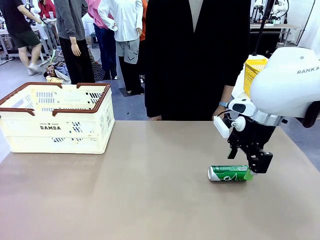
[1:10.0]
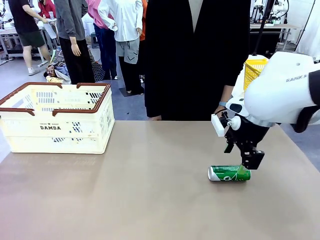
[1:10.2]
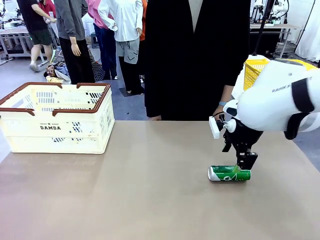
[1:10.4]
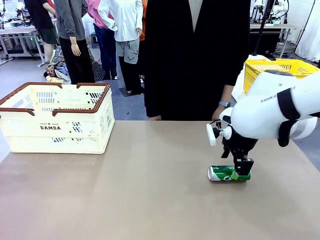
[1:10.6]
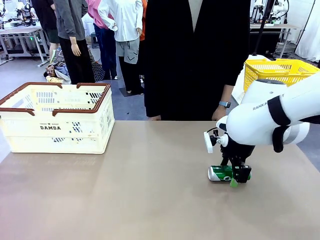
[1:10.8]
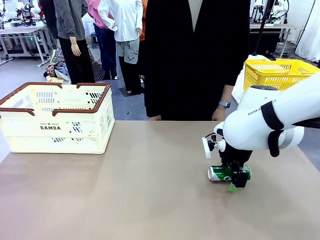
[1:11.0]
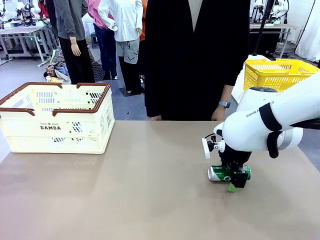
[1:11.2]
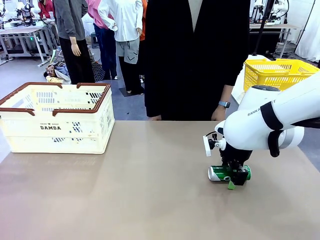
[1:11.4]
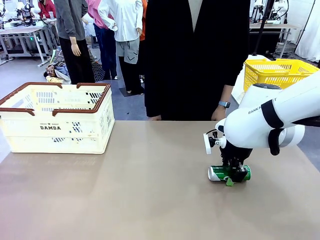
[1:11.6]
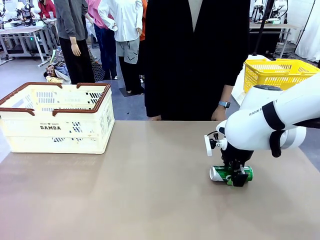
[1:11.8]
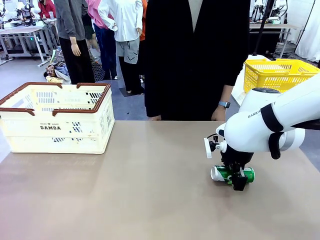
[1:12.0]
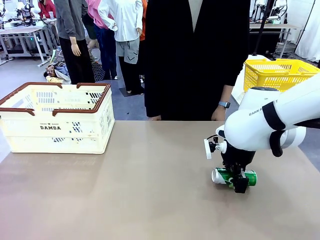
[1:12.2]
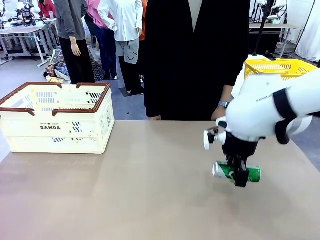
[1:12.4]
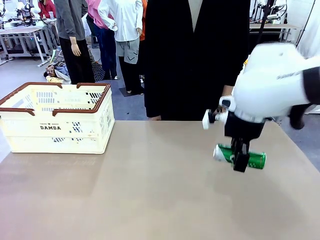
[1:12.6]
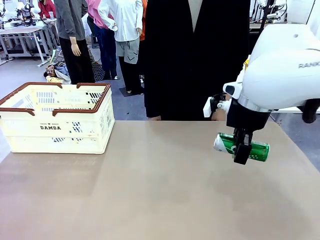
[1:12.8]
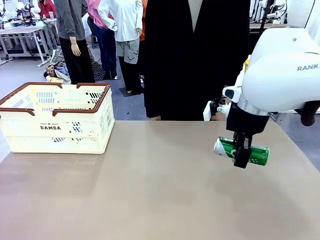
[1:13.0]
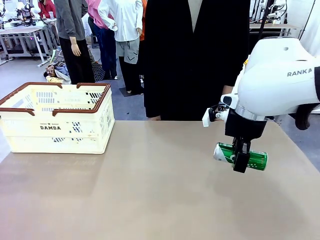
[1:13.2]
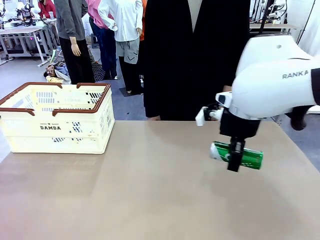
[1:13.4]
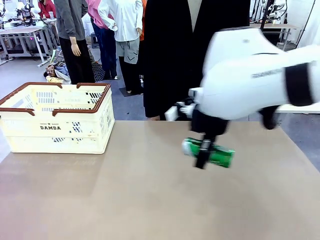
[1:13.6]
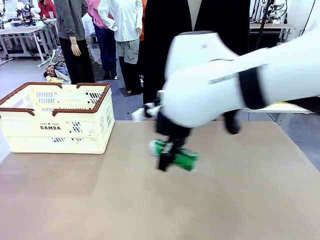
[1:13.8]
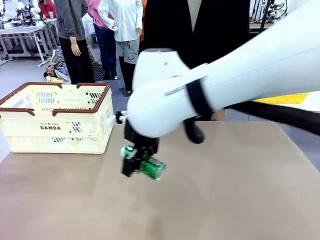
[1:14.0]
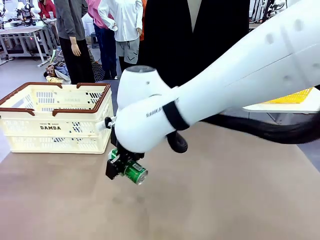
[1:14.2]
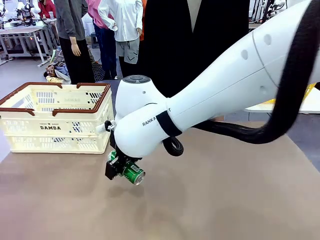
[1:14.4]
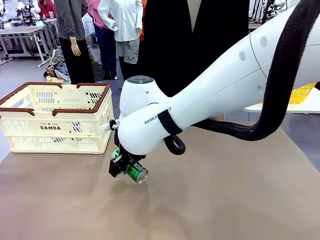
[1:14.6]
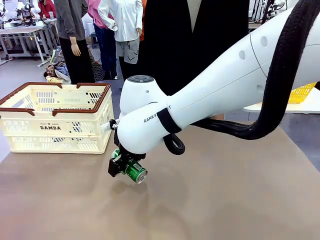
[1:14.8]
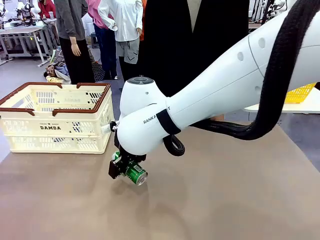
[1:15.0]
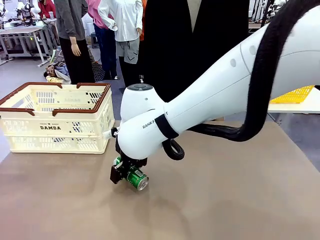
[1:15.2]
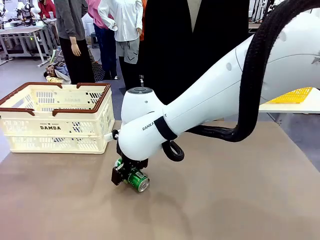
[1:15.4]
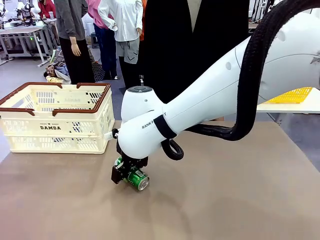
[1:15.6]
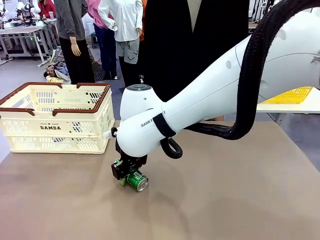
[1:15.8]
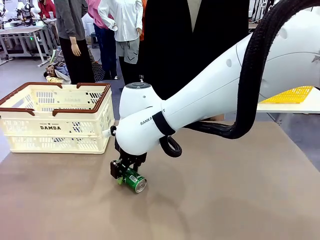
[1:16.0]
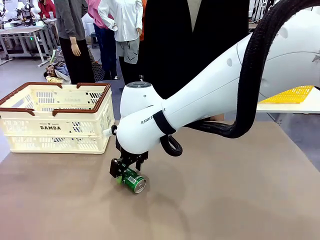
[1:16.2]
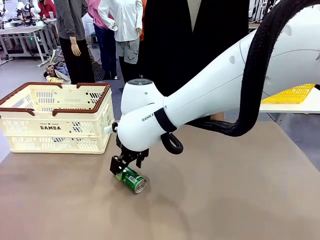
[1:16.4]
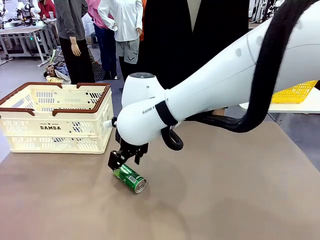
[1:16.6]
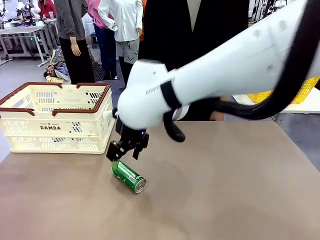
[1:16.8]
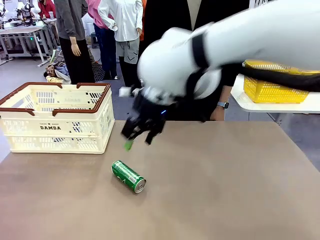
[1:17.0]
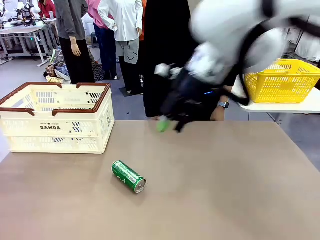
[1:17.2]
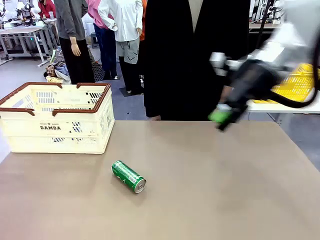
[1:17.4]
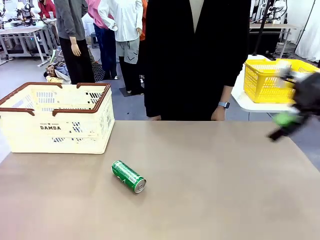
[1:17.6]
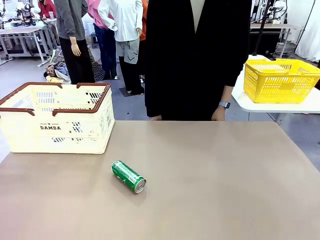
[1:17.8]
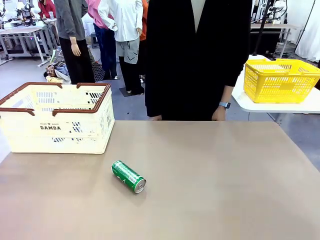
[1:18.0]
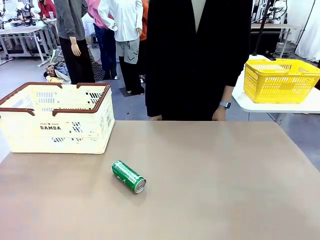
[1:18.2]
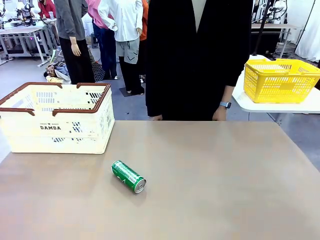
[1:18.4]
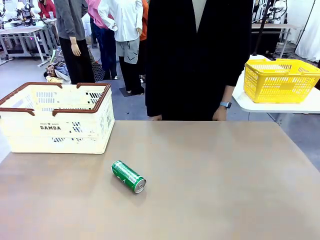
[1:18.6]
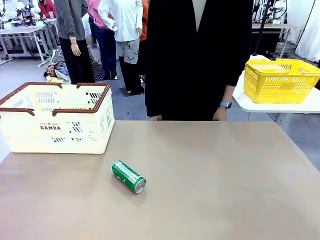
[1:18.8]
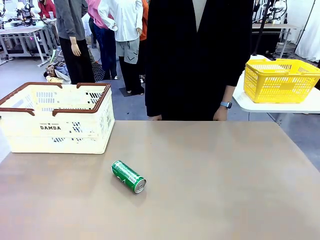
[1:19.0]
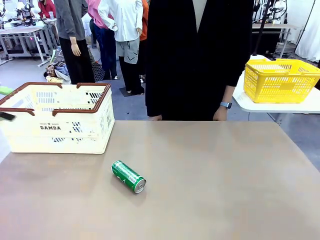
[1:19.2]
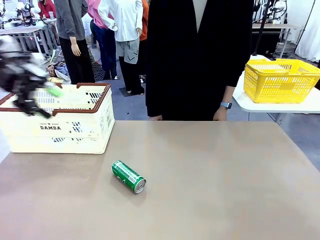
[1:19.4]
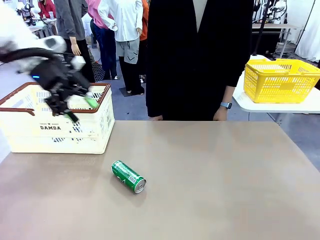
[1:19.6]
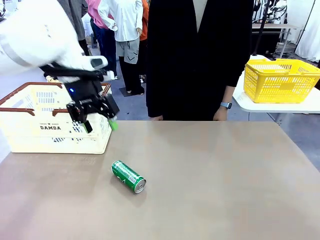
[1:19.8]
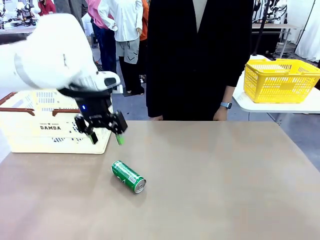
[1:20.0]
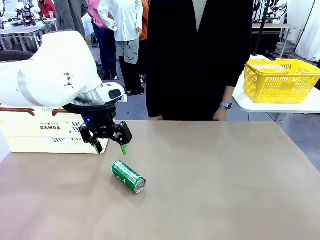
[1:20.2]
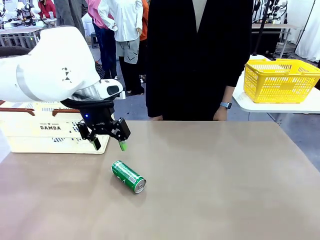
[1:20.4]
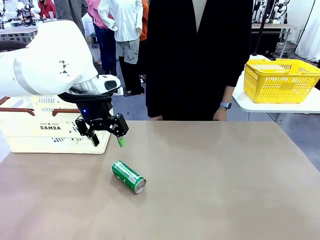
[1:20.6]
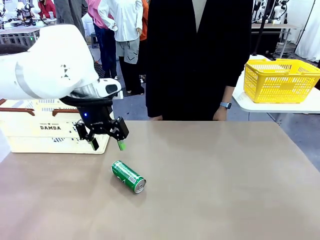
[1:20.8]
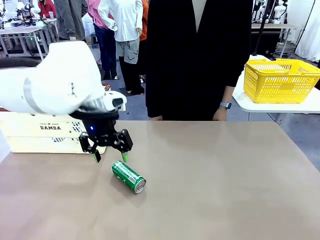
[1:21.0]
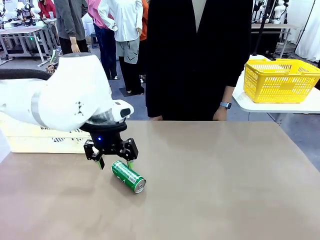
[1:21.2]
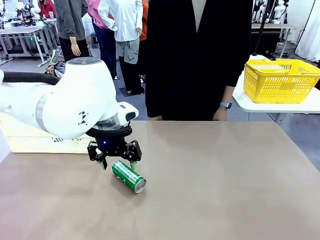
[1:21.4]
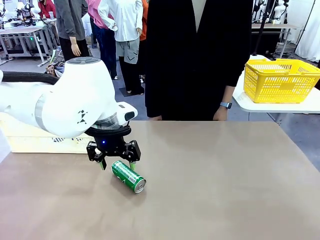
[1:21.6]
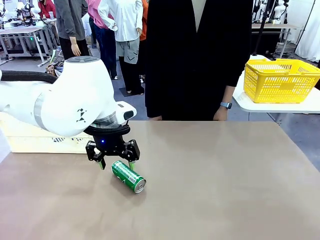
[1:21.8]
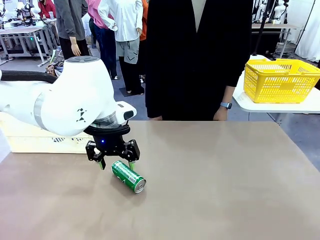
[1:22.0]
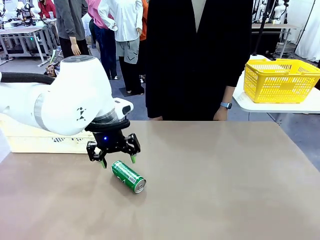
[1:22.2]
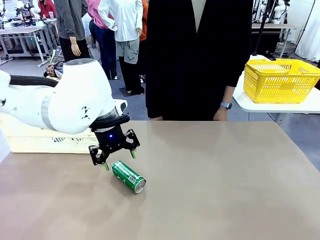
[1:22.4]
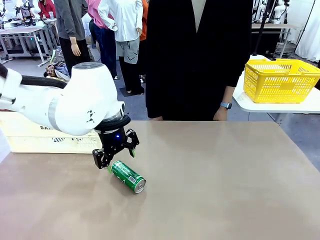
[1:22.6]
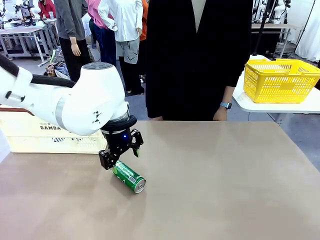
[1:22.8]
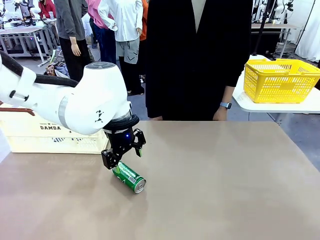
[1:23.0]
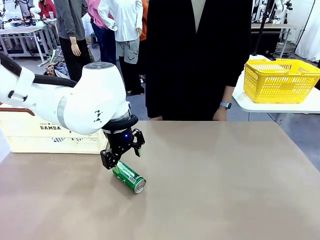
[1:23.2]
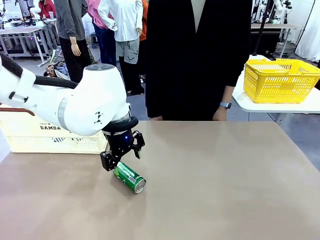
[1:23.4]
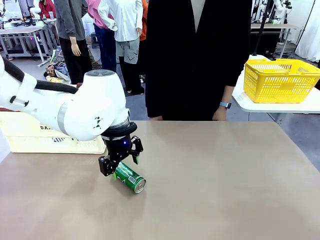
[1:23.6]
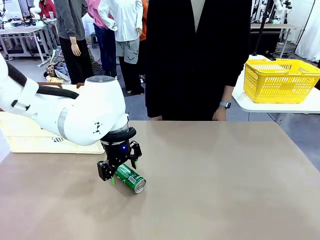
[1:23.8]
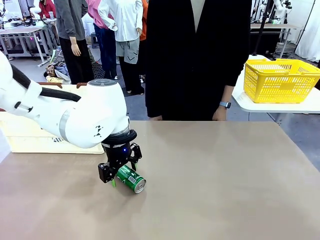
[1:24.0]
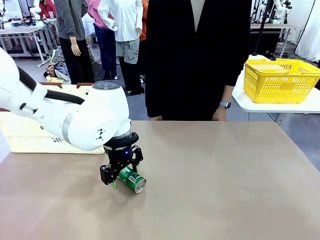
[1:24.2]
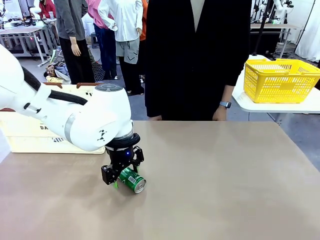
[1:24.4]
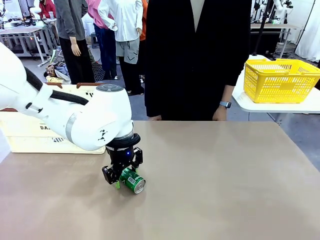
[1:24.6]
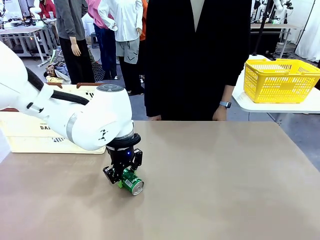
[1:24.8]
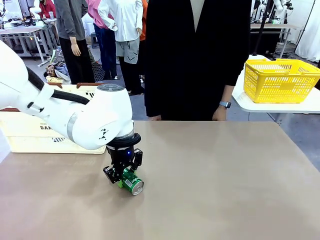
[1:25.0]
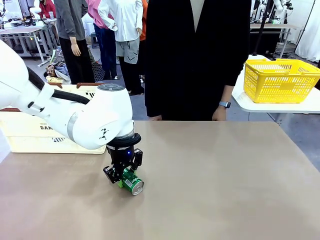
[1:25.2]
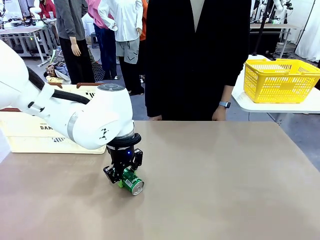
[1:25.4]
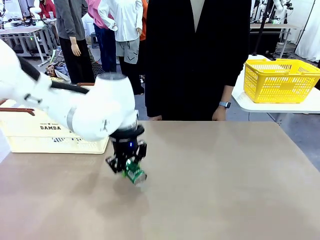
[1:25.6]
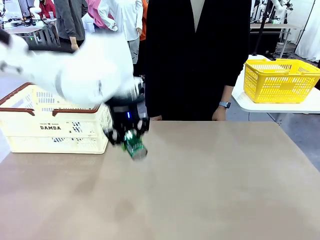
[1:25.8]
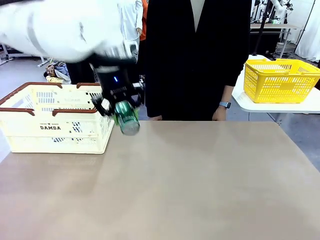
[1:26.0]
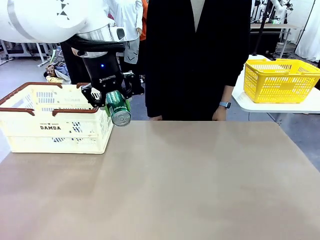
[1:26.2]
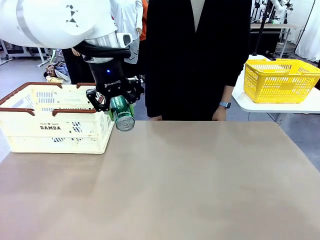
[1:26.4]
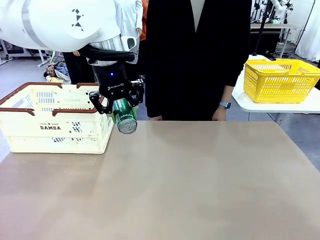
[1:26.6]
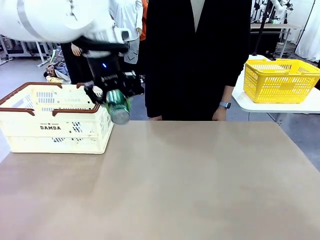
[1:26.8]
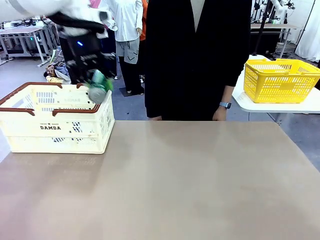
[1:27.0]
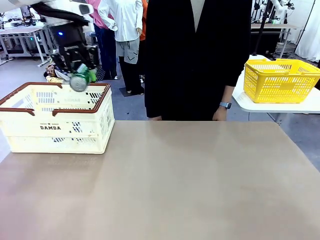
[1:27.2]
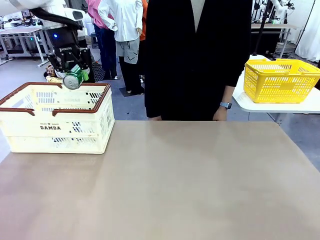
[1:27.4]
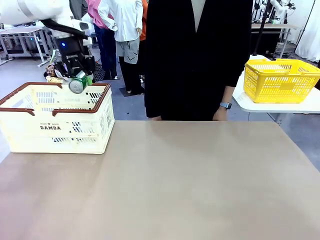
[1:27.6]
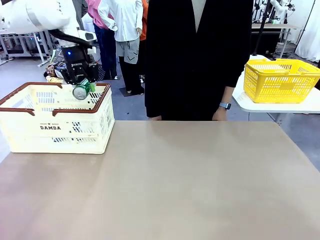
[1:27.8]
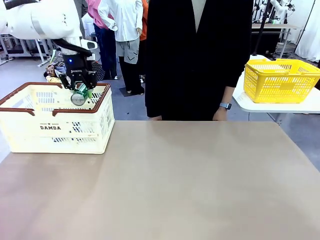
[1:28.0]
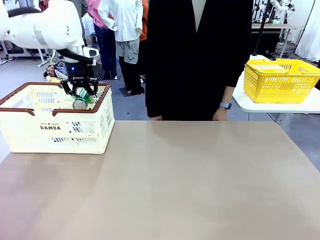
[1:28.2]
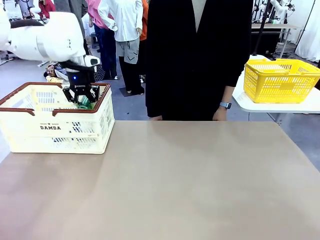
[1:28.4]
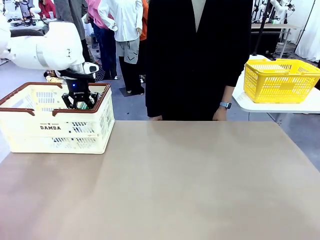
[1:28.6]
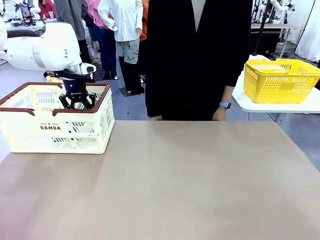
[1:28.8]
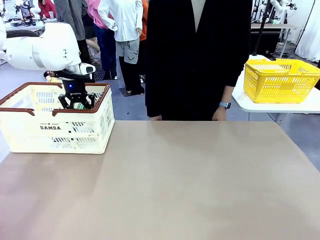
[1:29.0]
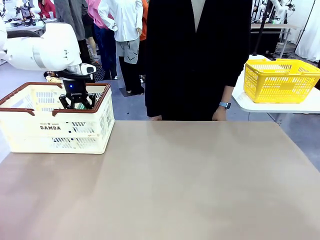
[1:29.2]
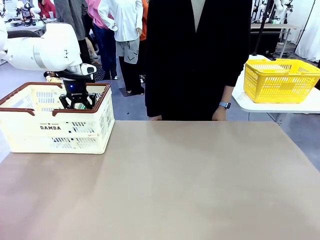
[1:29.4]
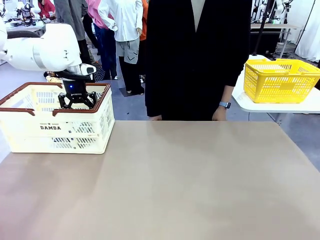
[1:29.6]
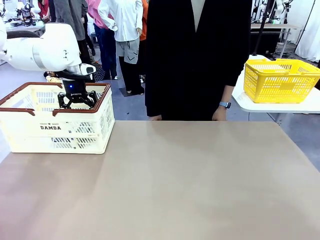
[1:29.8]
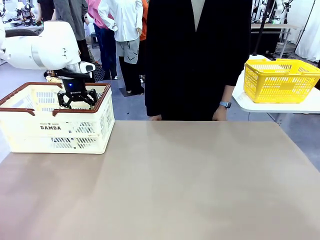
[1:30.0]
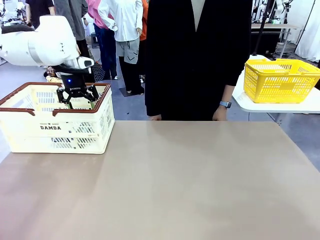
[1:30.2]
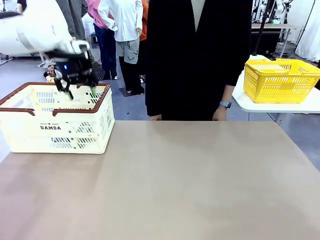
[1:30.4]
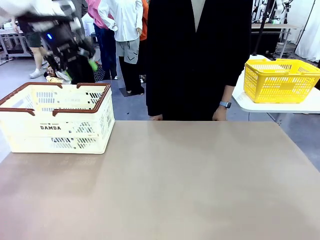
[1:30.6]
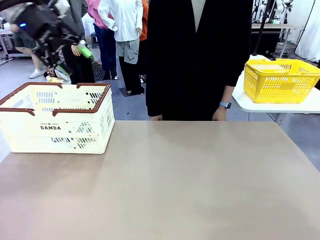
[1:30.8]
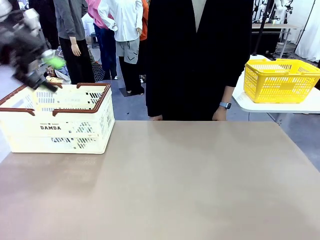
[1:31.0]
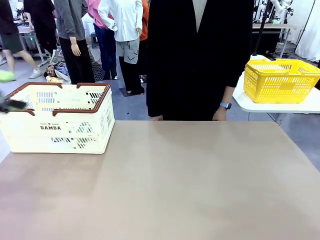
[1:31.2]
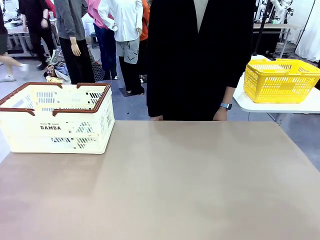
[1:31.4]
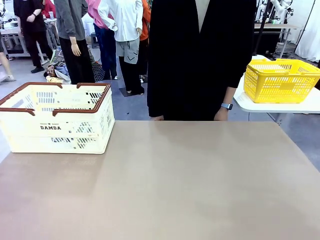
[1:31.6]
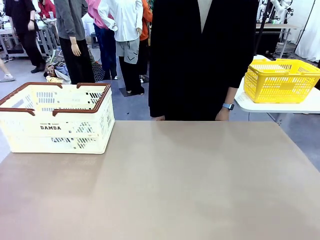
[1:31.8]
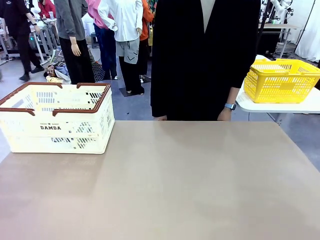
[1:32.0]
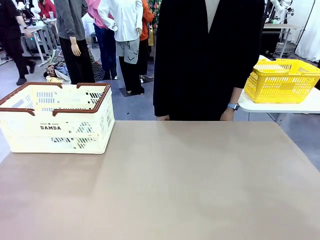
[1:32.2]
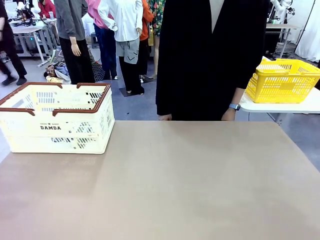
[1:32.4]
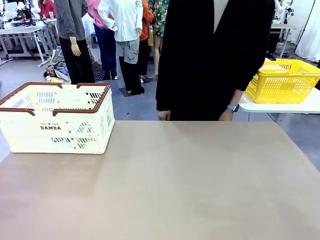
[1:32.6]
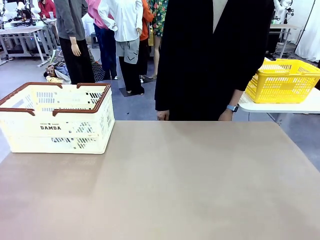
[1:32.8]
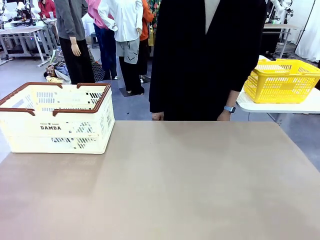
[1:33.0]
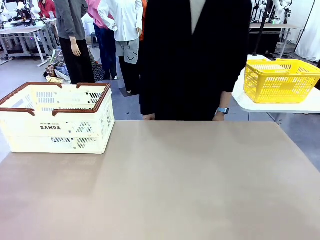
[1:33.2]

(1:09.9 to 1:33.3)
Task: Place the drinks into the Shopping basket.
Robot: Pick up one drink and place it into the Shopping basket.
